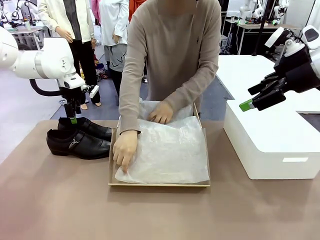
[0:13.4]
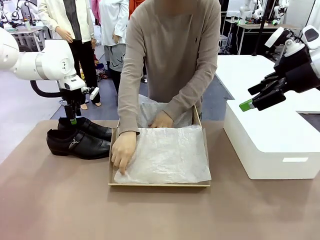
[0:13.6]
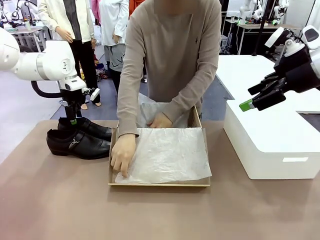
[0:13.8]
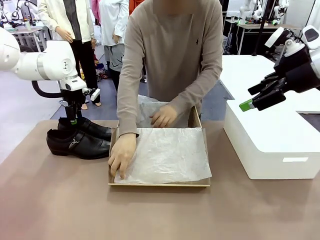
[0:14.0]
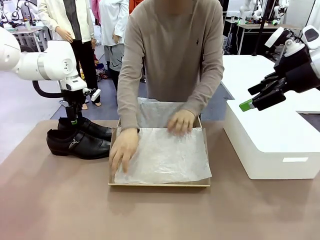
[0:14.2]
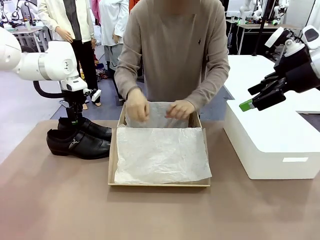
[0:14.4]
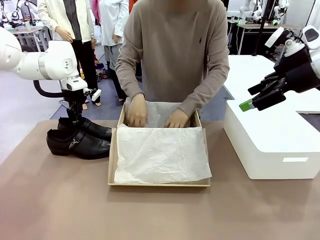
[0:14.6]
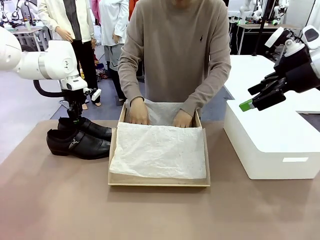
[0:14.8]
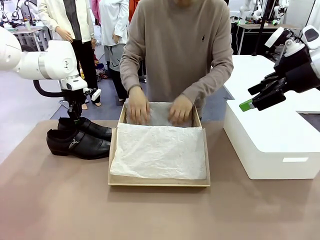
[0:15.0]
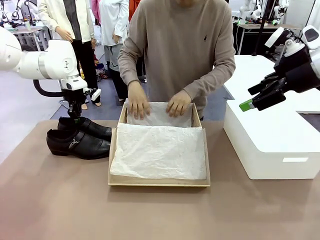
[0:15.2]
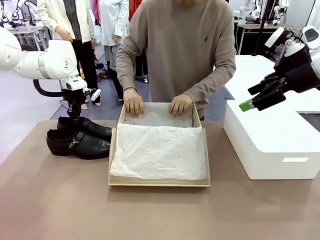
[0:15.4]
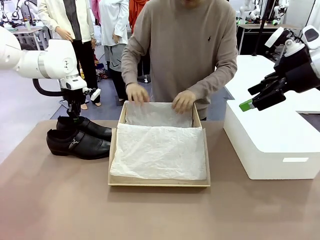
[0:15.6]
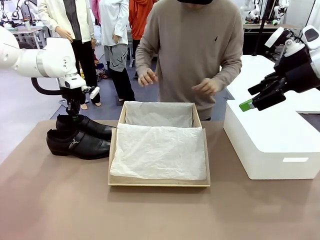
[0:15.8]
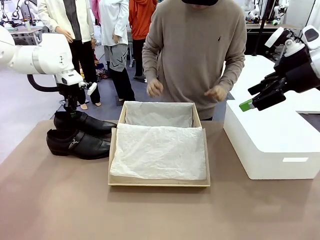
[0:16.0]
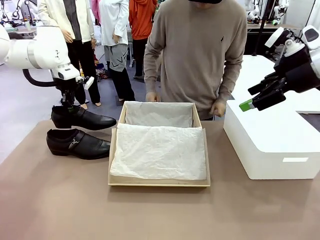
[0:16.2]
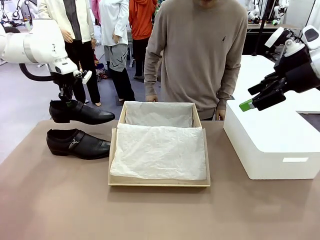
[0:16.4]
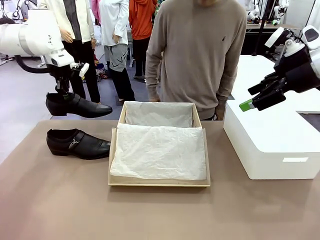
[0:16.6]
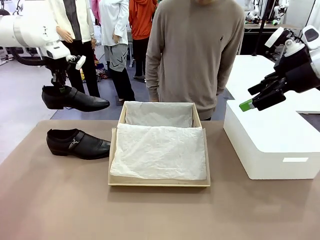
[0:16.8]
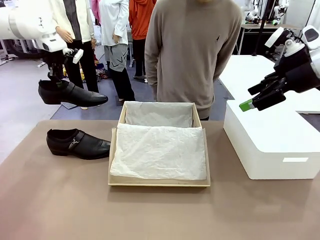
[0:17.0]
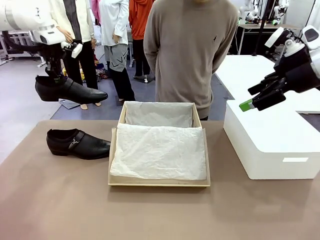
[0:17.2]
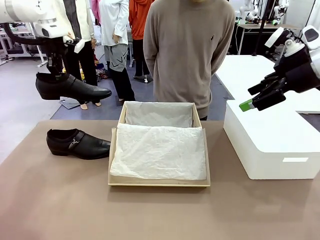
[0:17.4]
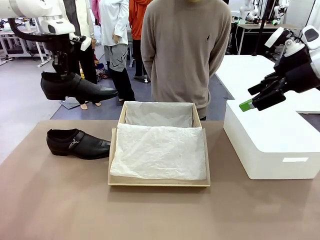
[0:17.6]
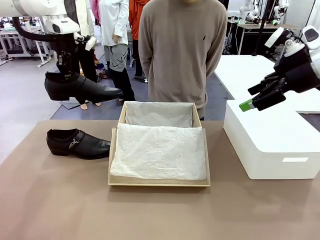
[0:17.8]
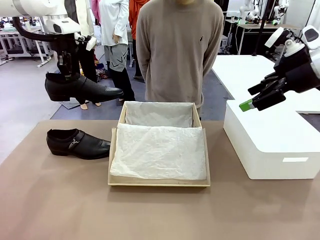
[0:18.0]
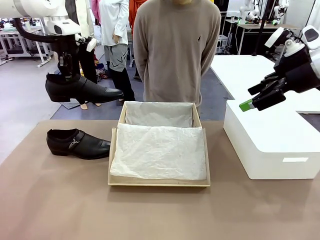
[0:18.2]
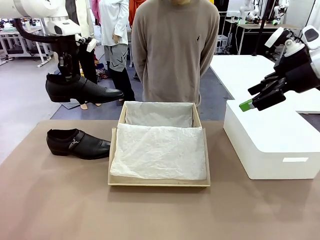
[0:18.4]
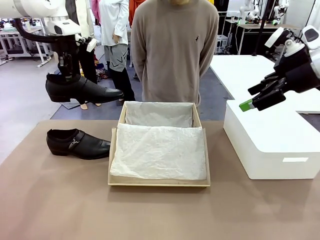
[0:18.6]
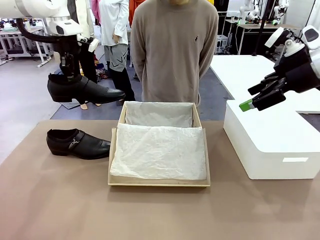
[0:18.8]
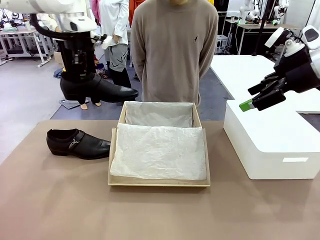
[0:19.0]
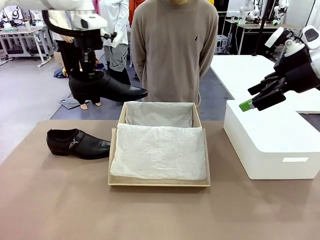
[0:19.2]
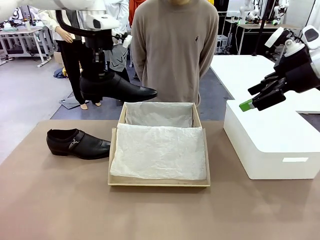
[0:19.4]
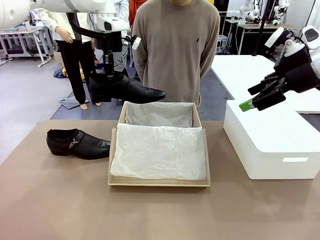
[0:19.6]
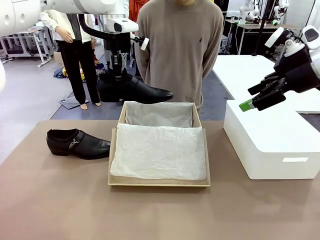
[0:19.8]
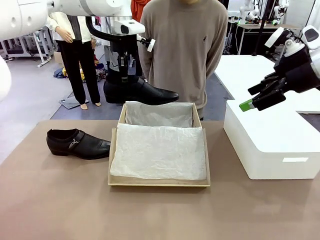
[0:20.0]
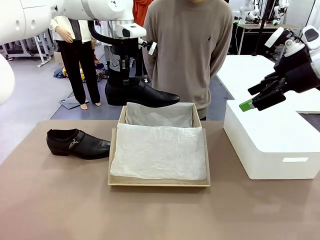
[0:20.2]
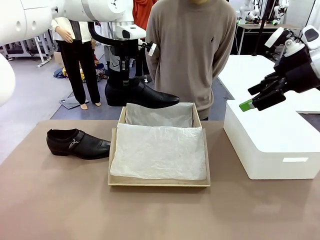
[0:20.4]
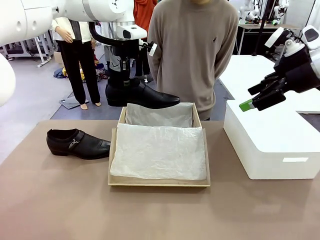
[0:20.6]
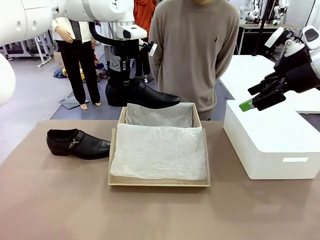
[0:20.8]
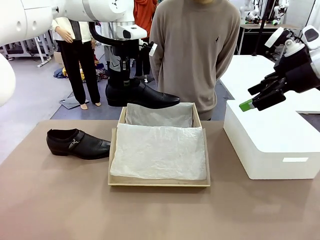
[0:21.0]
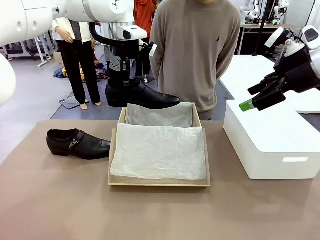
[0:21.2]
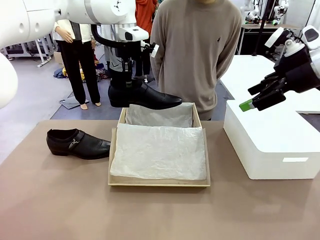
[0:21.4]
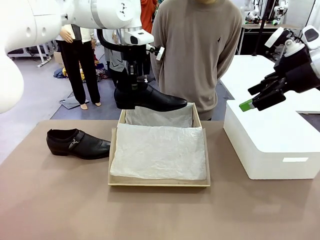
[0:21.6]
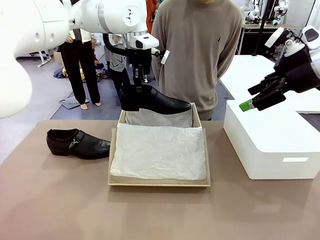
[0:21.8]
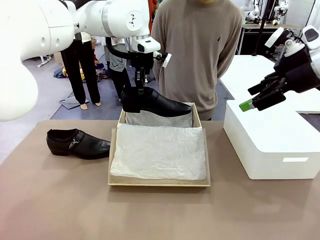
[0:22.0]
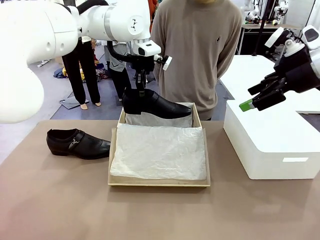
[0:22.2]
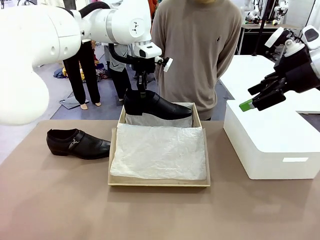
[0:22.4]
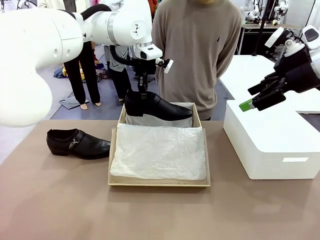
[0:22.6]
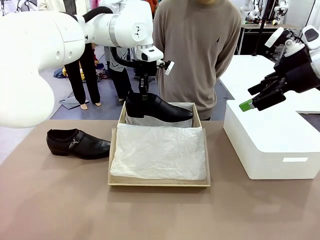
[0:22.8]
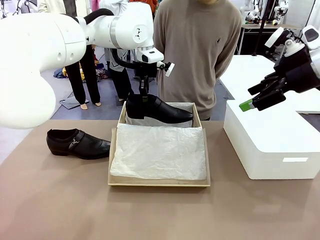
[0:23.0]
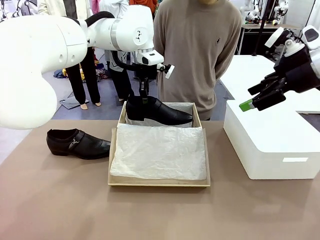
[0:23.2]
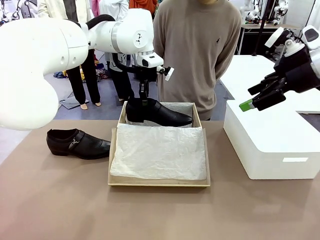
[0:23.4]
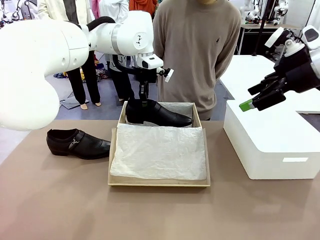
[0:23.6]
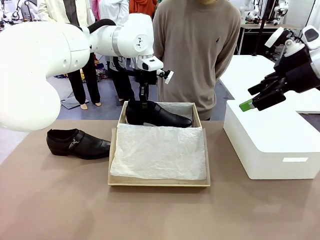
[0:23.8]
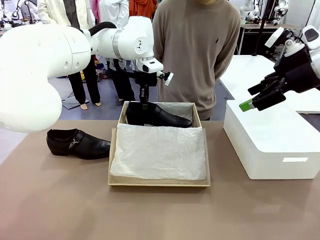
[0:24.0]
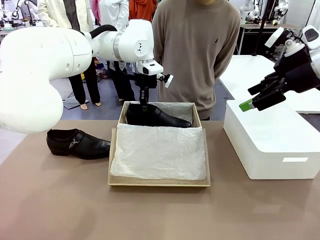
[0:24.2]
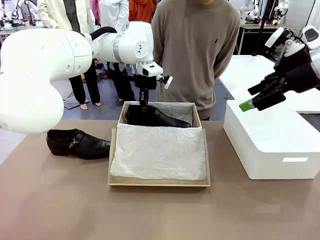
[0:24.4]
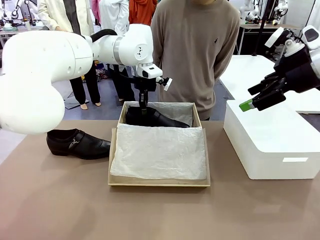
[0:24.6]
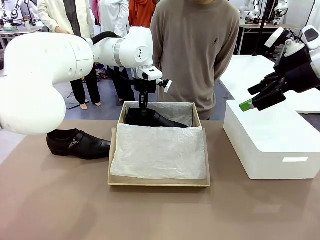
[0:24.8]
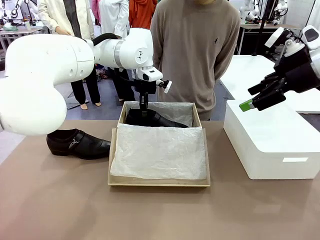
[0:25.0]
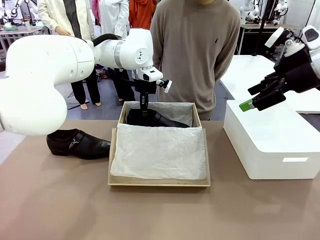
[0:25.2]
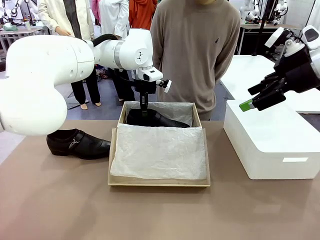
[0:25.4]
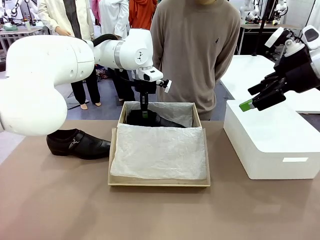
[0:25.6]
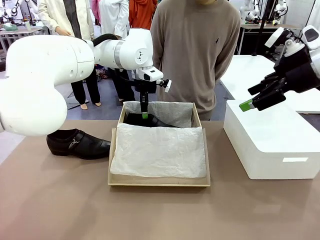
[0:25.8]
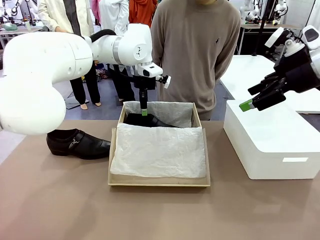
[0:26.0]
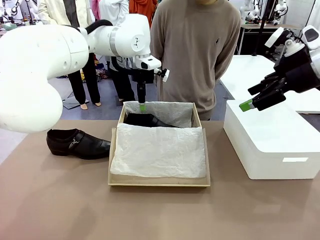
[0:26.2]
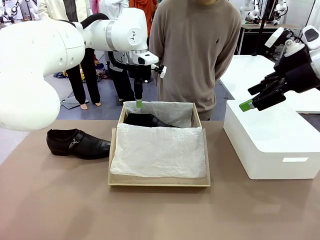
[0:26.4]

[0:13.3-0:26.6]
Task: Pack the shoes into the box.
Robot: Place one shoe of the Shoes into the Shoes Box.

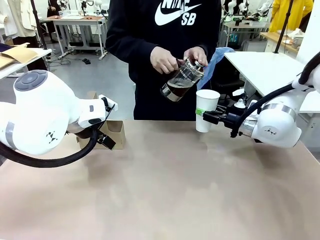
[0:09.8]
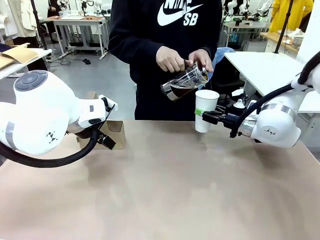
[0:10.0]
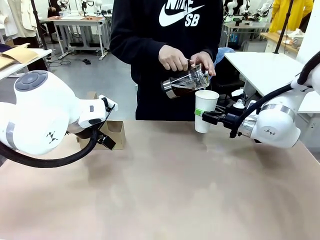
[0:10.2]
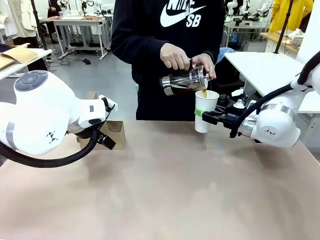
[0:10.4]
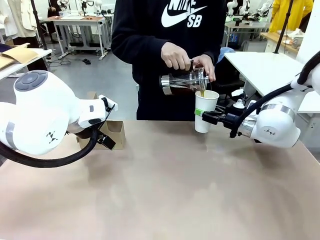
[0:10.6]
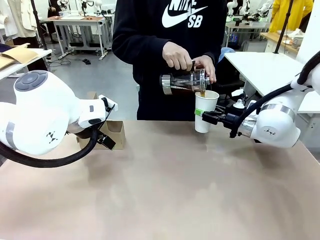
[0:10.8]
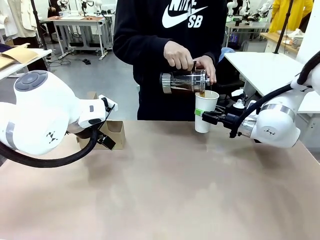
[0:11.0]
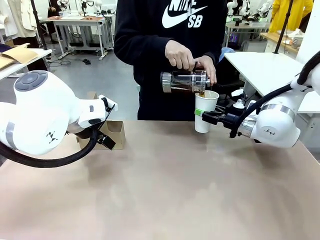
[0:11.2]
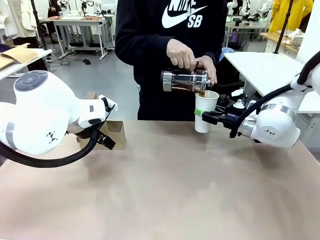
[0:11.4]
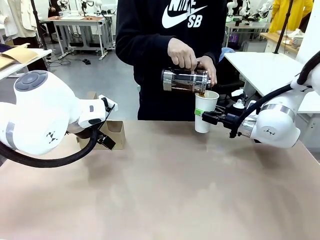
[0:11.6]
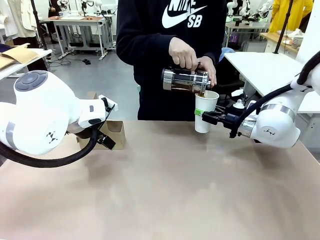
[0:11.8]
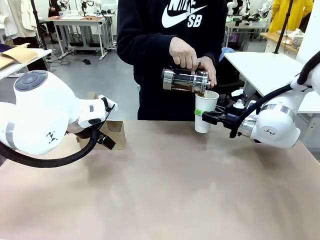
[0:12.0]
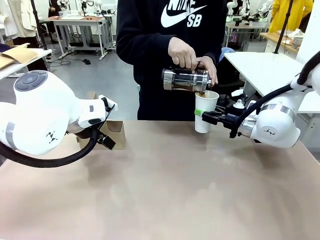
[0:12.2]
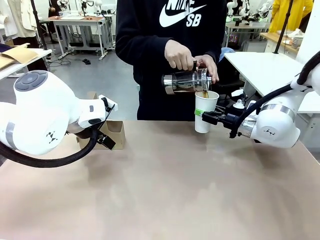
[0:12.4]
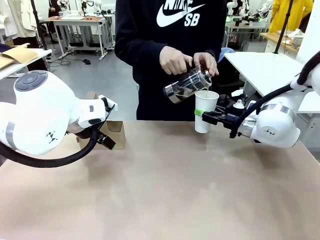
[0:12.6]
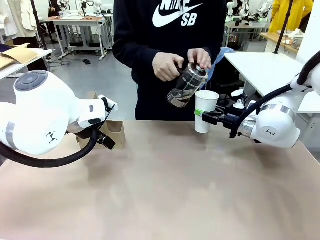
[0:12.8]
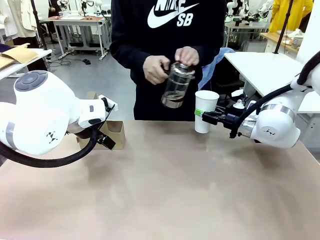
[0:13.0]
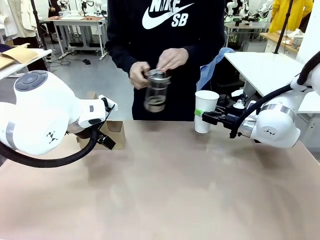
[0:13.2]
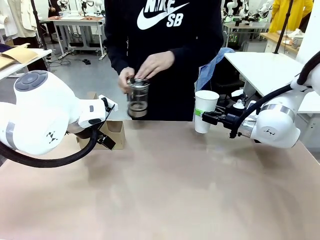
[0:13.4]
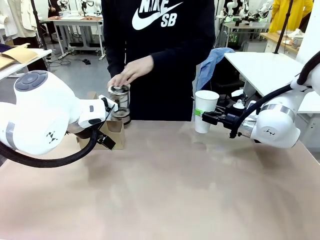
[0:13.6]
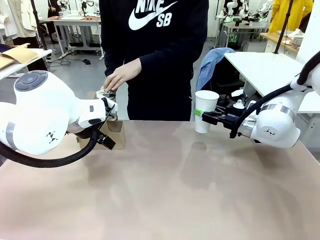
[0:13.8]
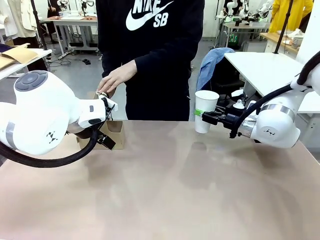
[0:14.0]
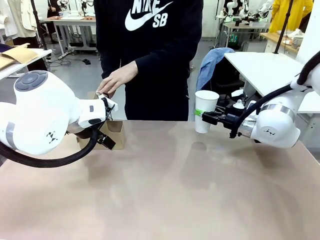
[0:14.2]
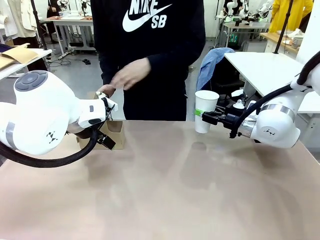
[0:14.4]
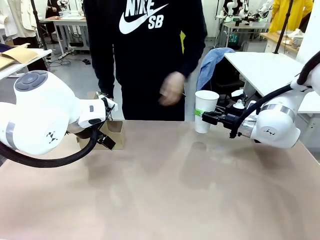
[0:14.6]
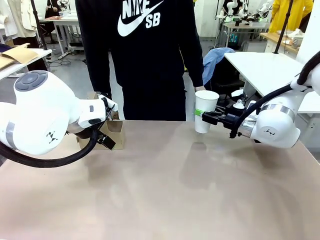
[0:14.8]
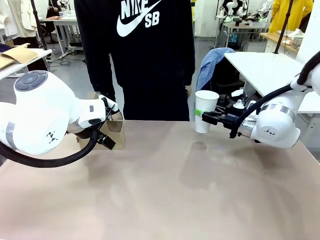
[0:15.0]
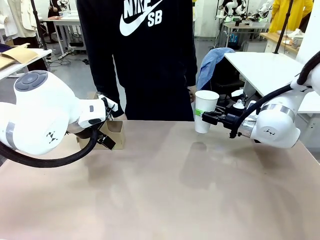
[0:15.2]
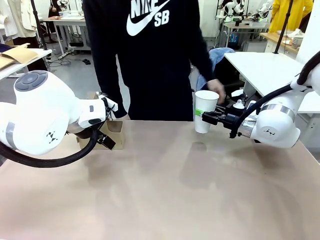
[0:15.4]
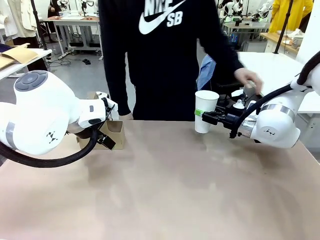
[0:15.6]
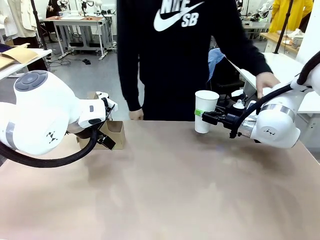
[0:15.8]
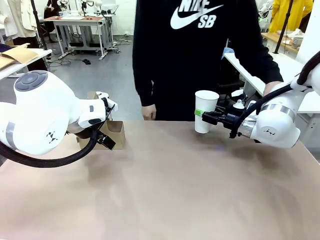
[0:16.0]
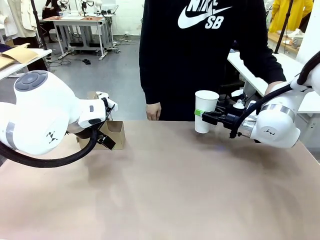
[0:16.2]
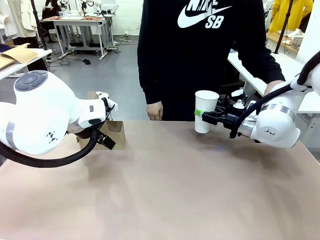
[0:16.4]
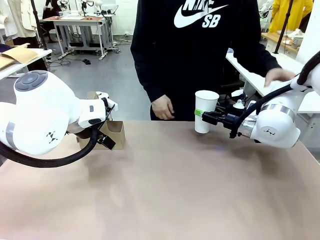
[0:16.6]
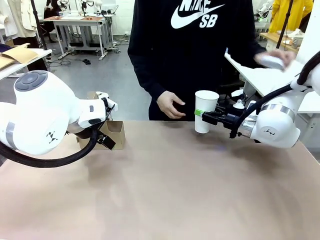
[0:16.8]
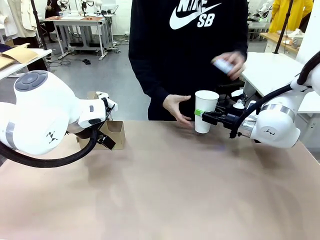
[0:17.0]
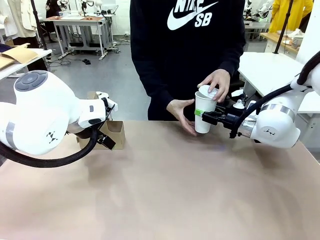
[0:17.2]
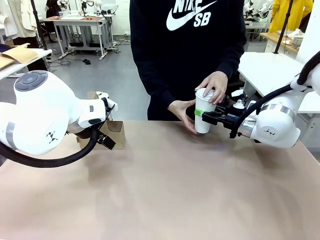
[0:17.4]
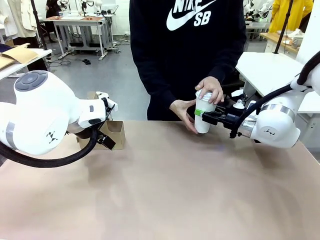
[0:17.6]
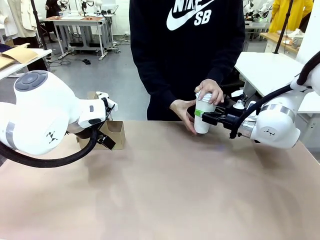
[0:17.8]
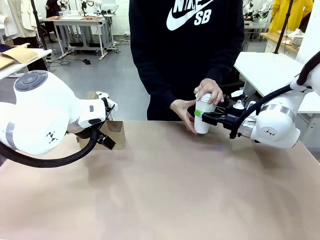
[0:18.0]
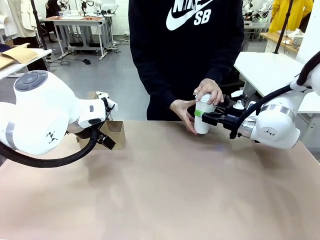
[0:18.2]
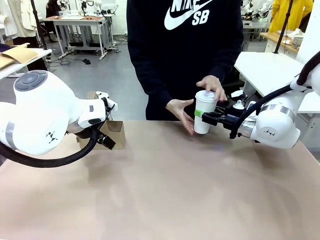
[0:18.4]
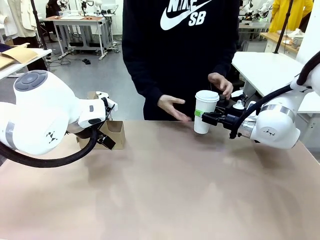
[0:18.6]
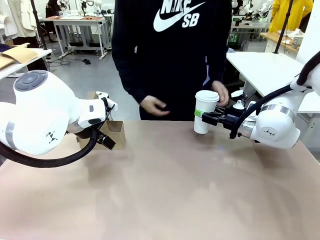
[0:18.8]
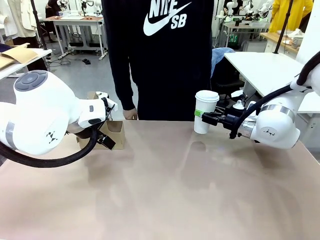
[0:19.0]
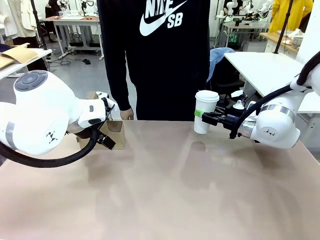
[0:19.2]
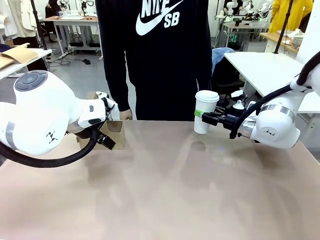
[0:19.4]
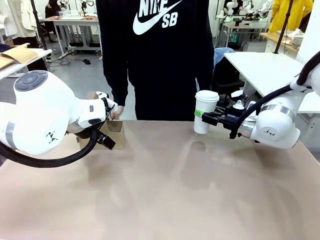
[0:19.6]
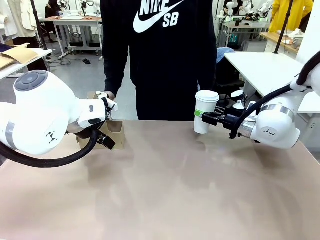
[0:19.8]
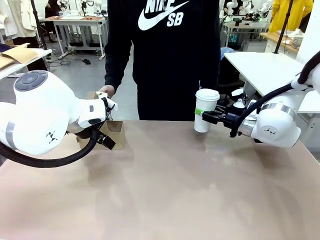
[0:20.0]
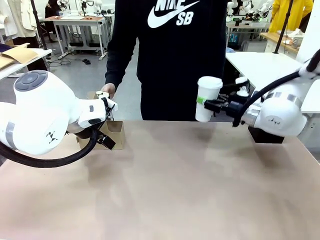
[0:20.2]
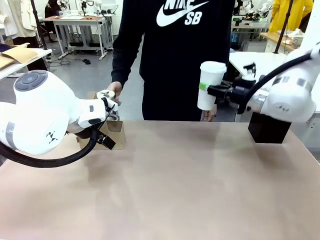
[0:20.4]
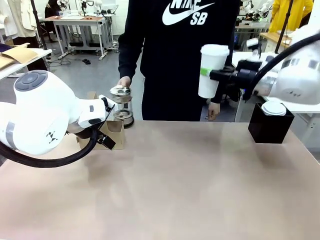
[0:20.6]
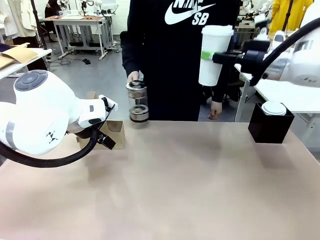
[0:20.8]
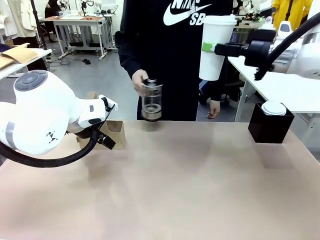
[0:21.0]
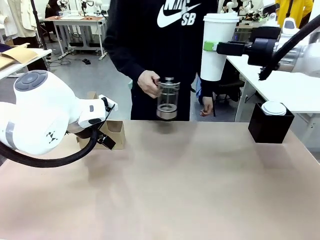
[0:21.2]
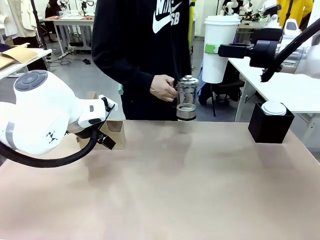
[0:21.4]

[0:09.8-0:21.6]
Task: Pour a drink into a cup and package it in a carrier.
Robot: When a person places the Paper Cup Lid on the 600 ml Paper Cup , lift the 600 ml Paper Cup.
Person: Pour the drink from the Filter Brewing into the 600 ml Paper Cup. Place a Paper Cup Lid on the 600 ml Paper Cup.
